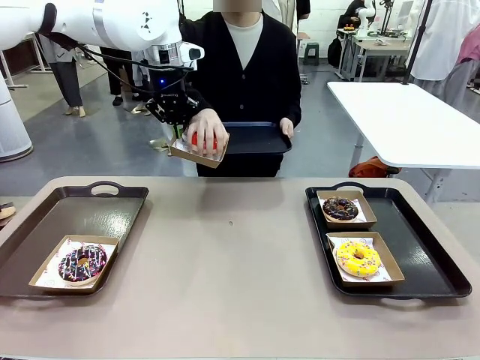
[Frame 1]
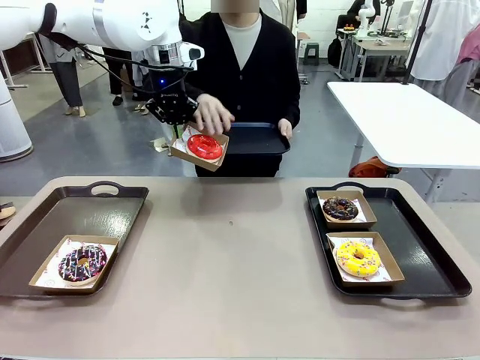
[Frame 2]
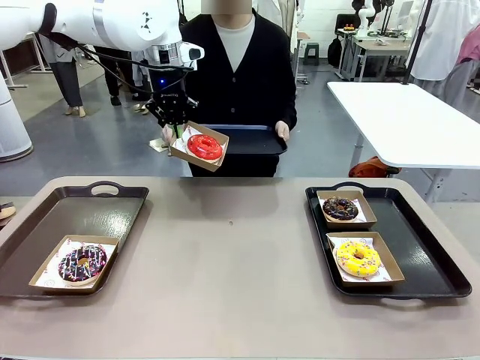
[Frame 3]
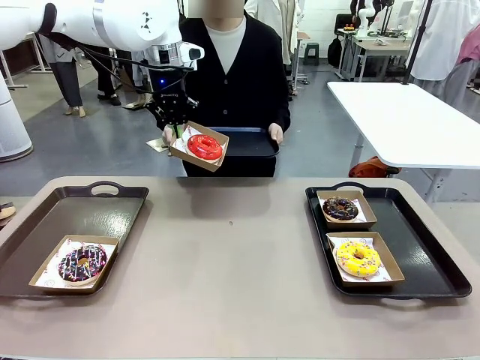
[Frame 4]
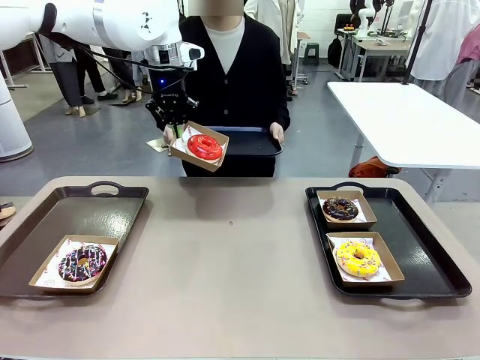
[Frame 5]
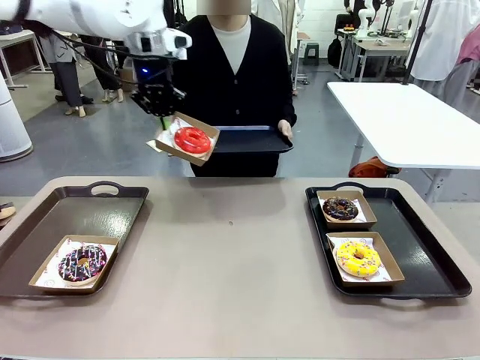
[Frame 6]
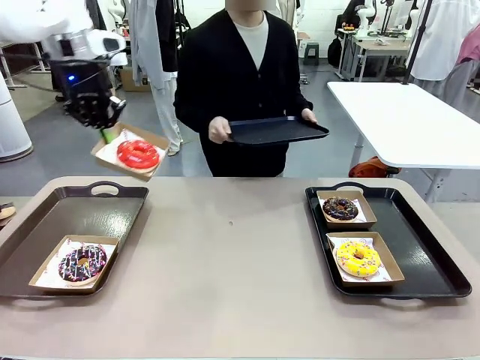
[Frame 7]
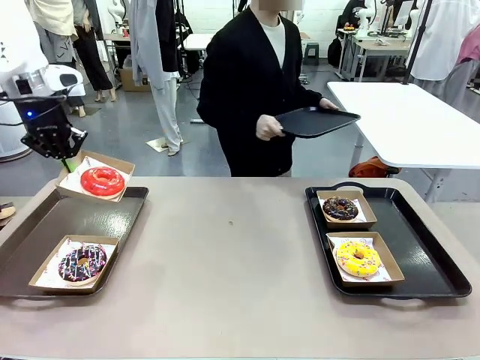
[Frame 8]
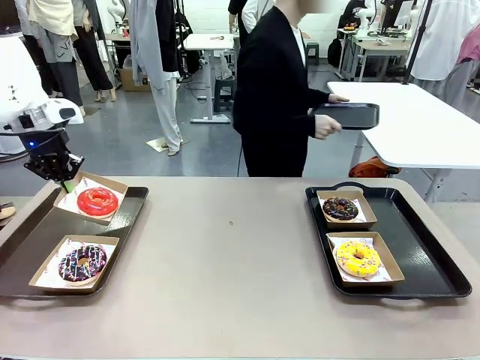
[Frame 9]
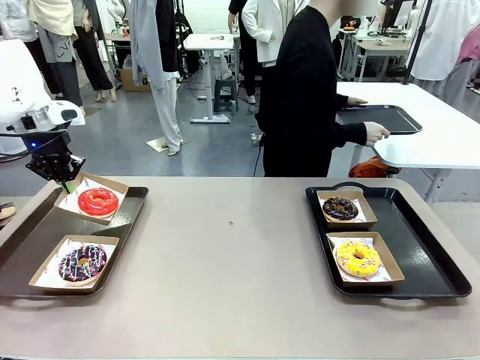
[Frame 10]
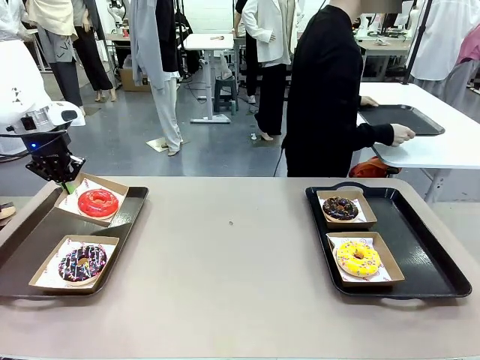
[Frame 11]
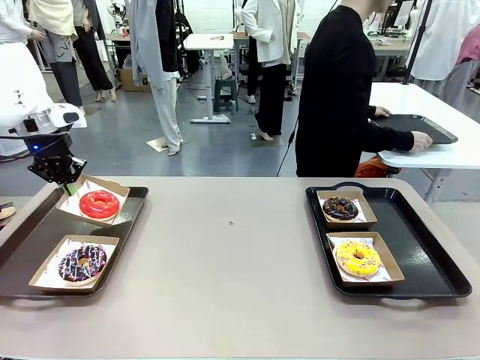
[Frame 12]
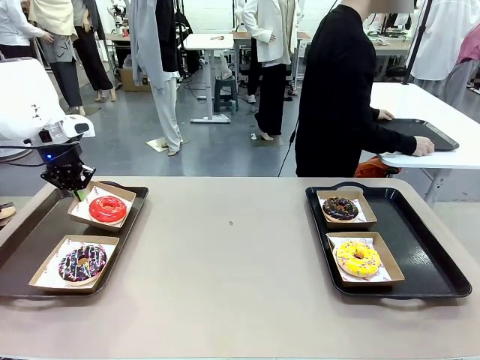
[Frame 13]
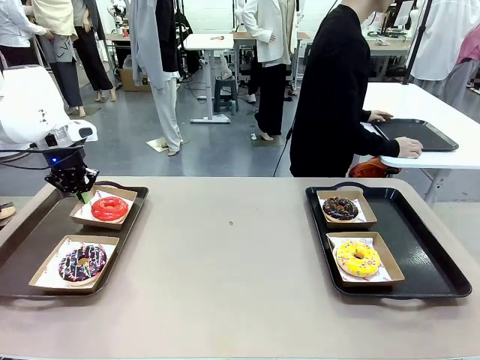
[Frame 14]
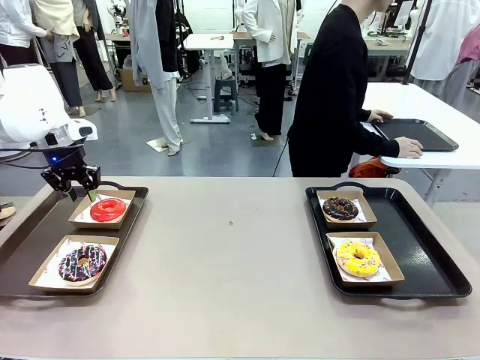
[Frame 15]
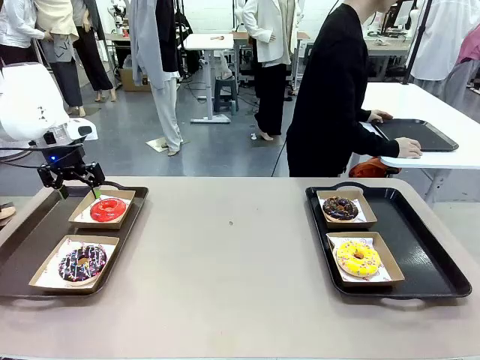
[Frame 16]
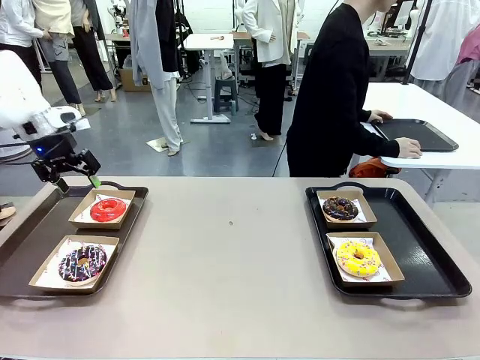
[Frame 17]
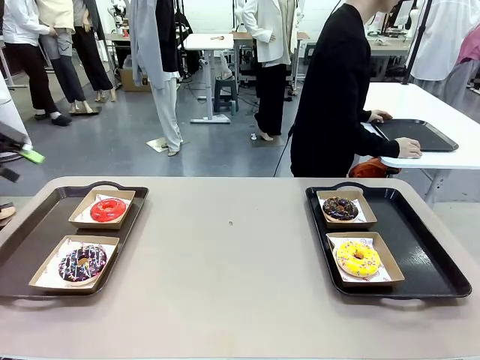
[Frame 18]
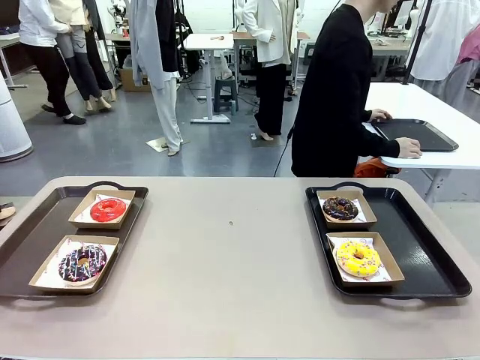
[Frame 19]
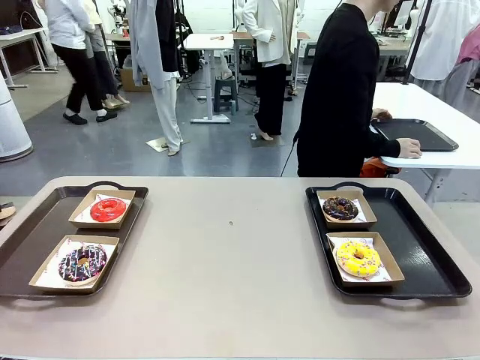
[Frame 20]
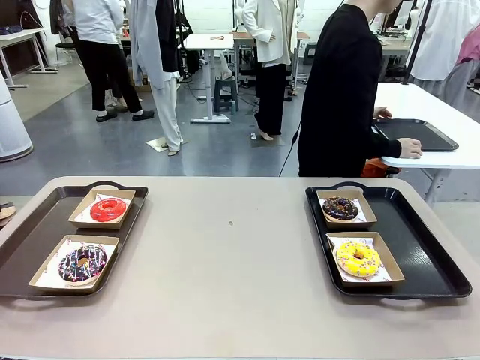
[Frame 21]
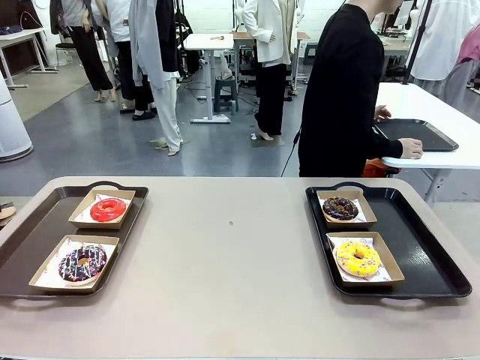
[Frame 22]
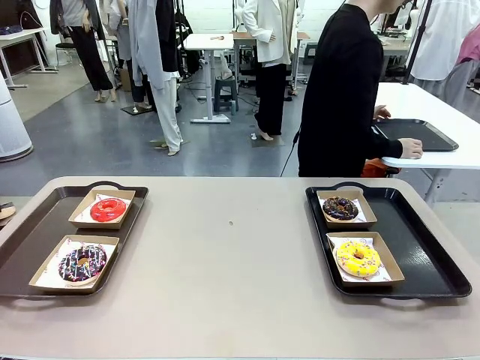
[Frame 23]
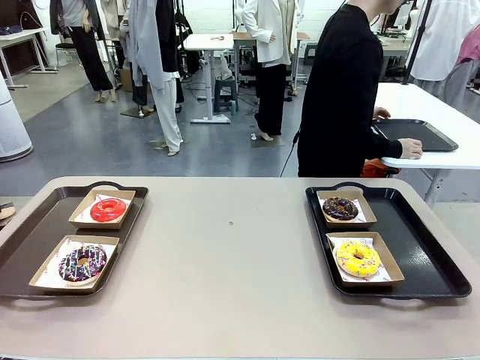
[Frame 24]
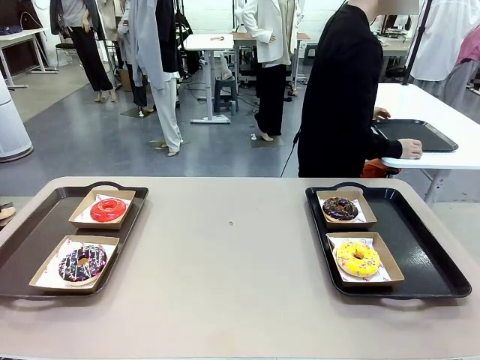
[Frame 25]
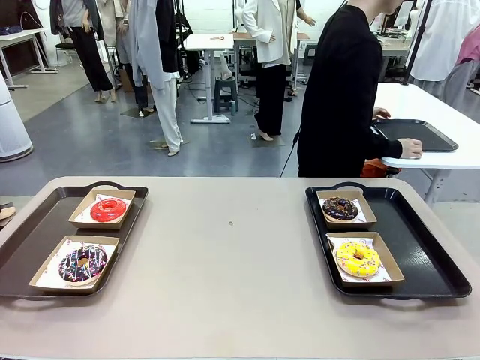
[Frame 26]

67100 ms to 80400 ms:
Task: Individually package the donuts and arrange them on the tray.
Robot: Place the picked Paper togo box on the Handle tray.
Person: Place the tray down in the middle of the human table.

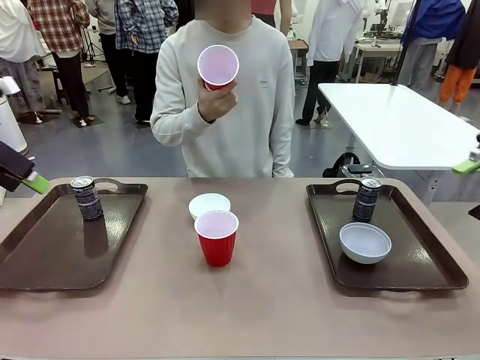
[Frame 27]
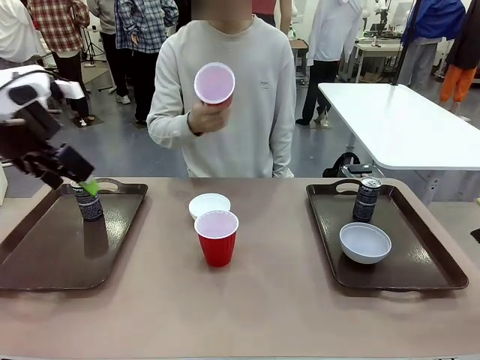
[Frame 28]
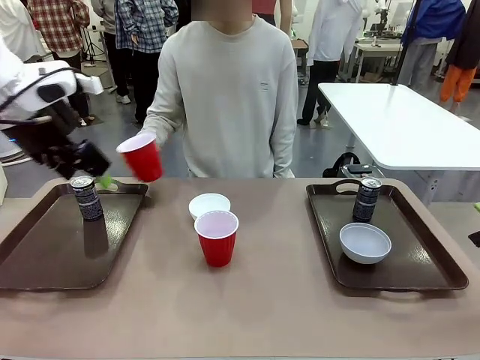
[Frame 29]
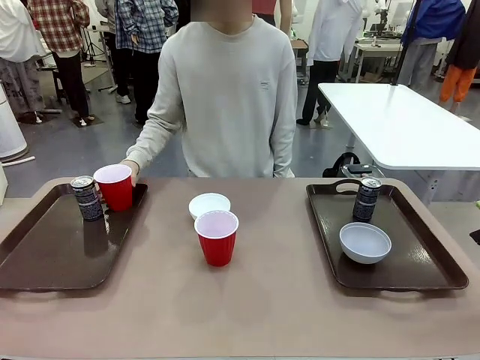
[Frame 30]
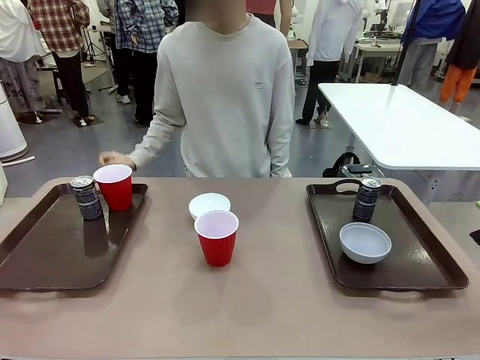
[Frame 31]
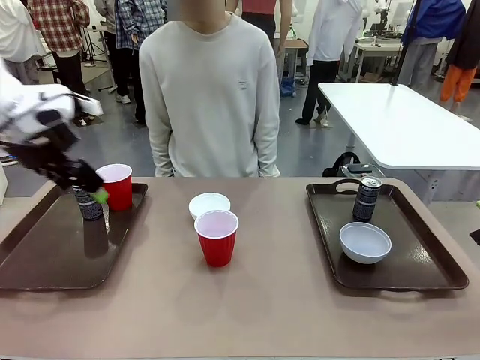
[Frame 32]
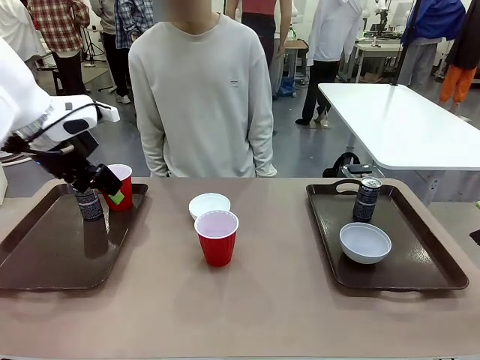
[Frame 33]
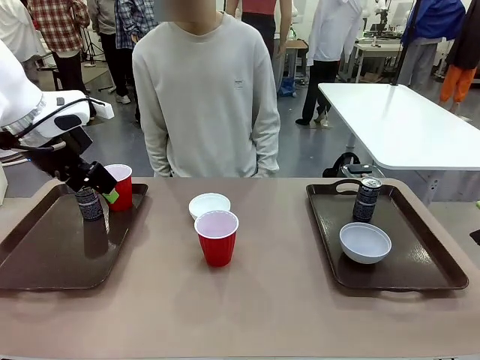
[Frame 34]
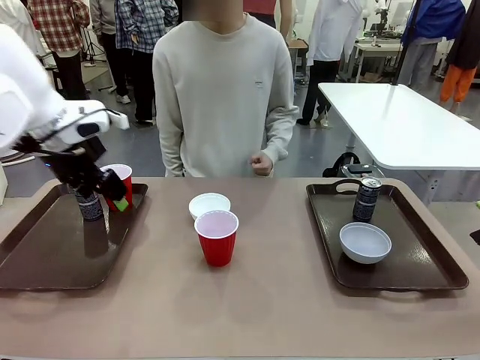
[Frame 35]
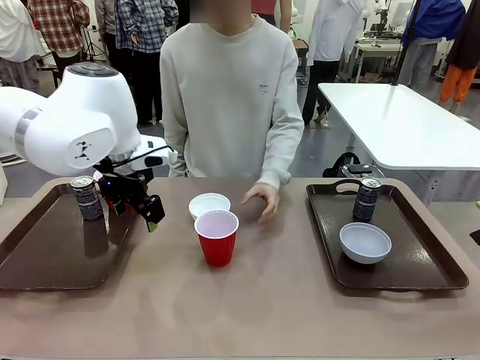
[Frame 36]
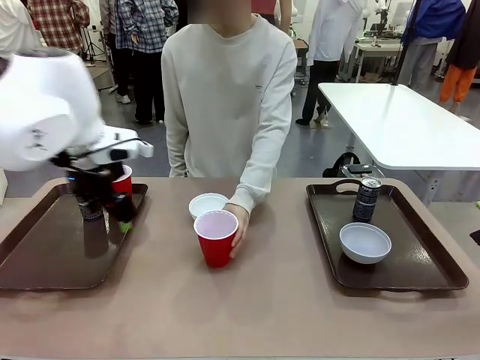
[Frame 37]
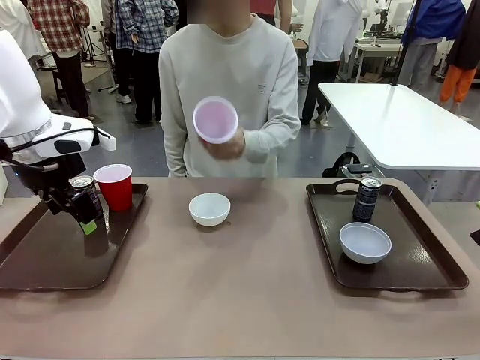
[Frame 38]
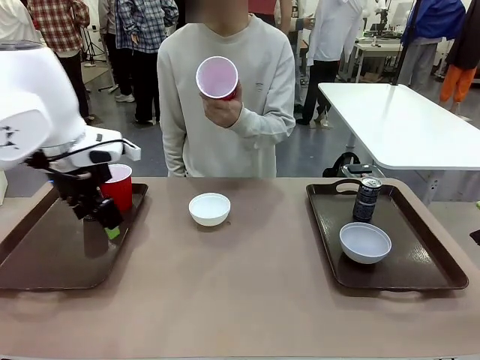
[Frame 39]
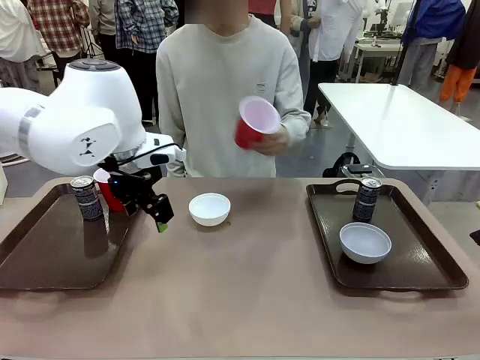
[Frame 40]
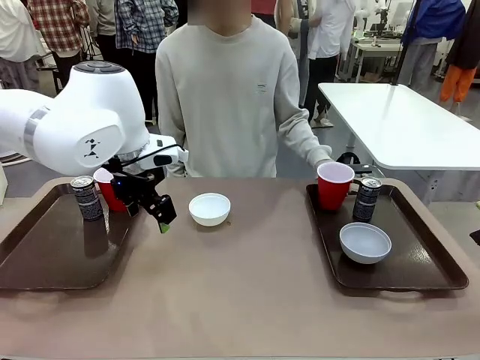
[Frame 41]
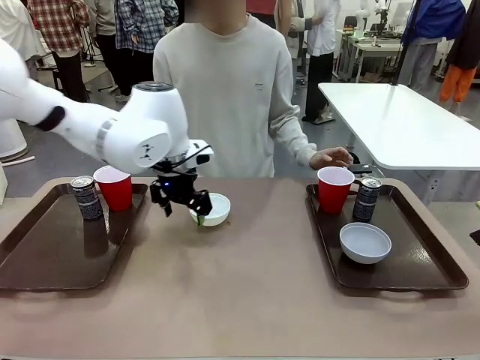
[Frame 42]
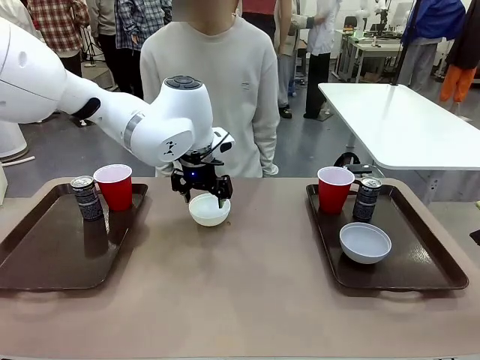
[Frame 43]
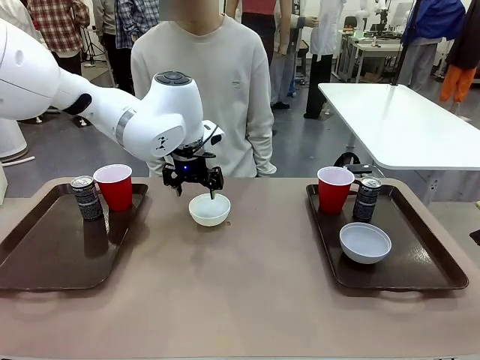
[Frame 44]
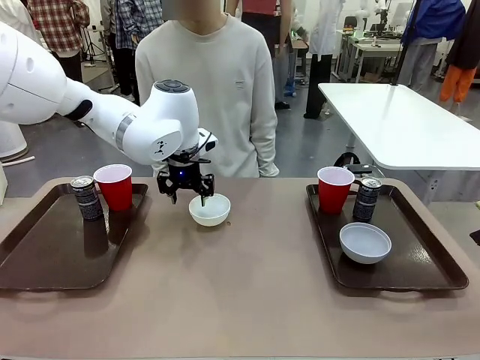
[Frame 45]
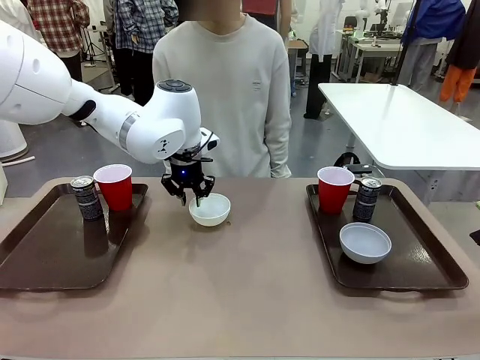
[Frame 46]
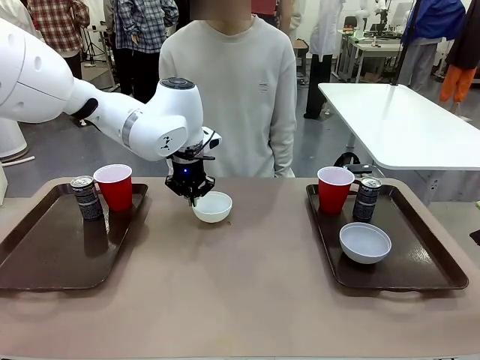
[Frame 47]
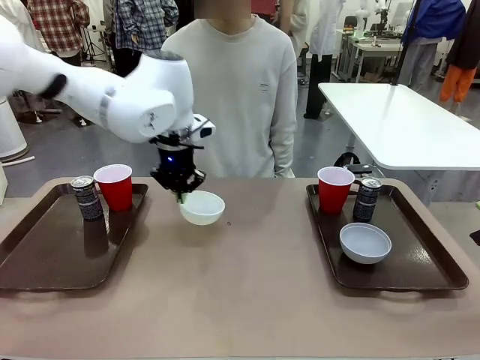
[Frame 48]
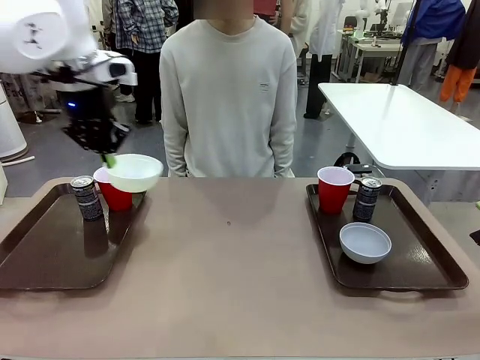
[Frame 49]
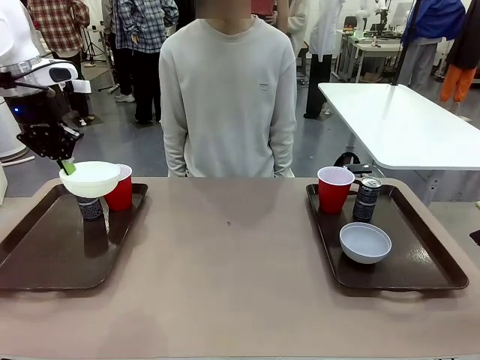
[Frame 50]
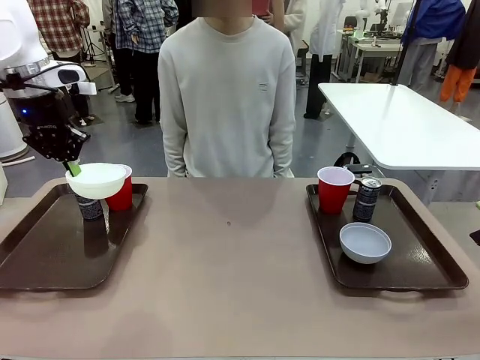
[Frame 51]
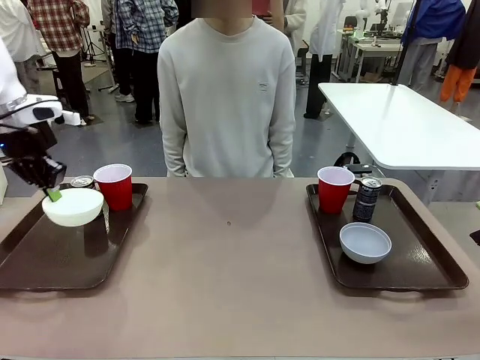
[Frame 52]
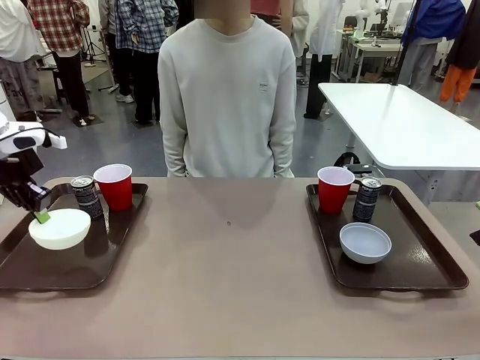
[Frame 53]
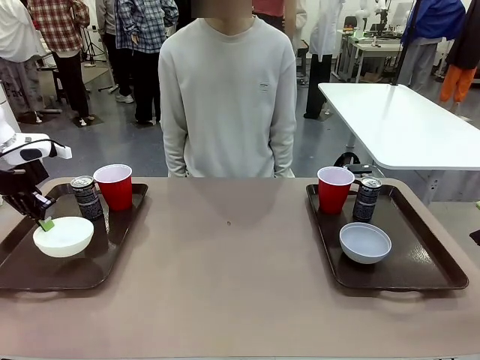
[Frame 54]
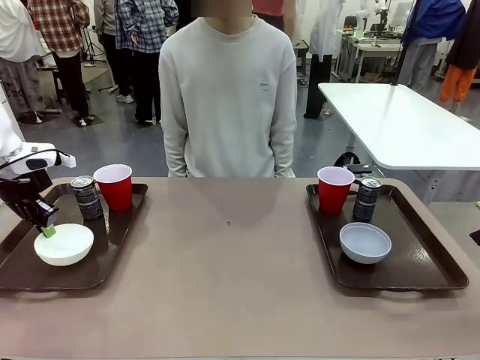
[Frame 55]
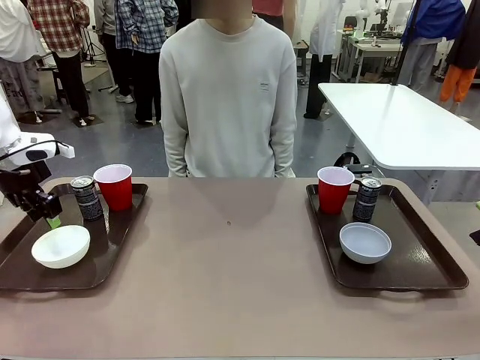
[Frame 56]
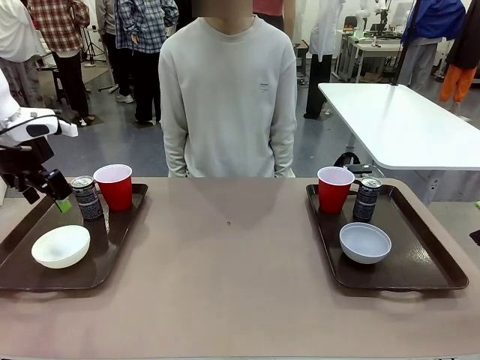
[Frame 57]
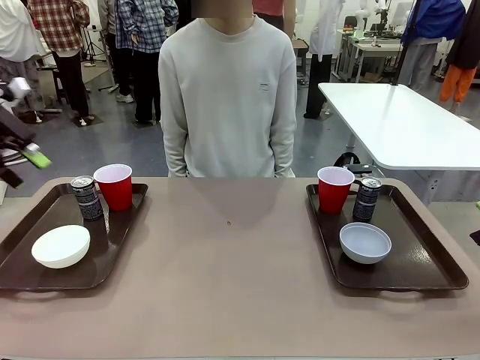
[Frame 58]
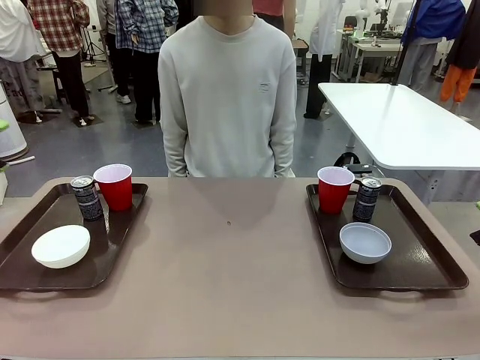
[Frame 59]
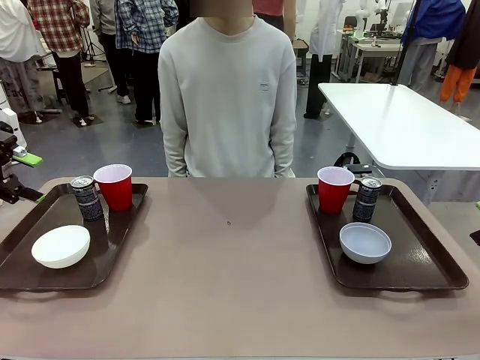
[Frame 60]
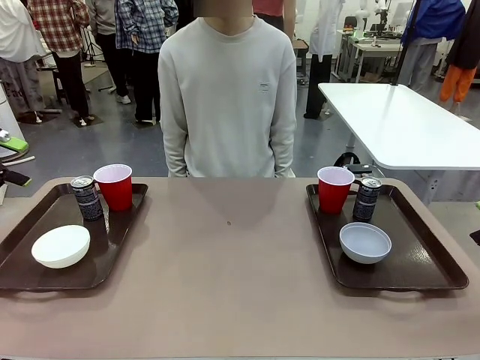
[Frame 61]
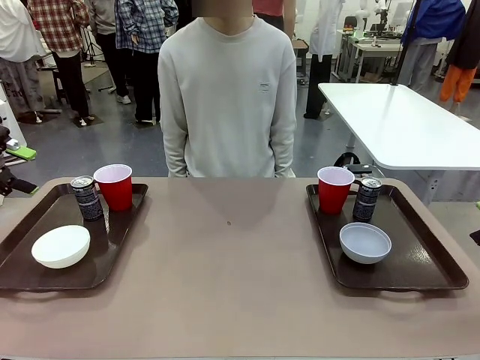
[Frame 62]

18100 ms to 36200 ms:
Task: Prepare tableware on both trays.
Robot: Pick up a Picnic Bowl from the table and place it on a Handle tray.
Person: Pick up a can or cup and place it on the tray without a can or cup.
